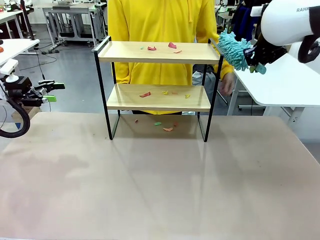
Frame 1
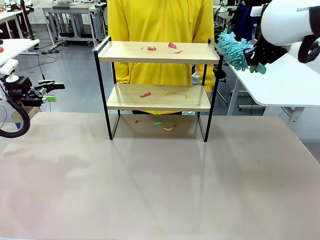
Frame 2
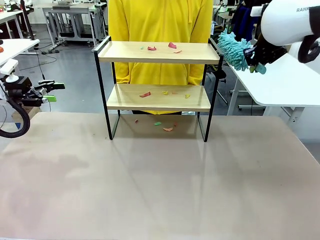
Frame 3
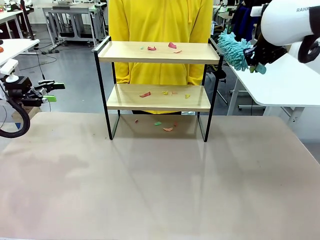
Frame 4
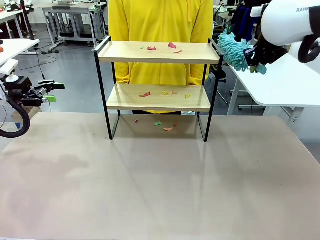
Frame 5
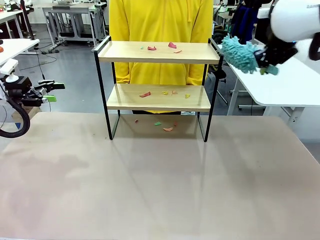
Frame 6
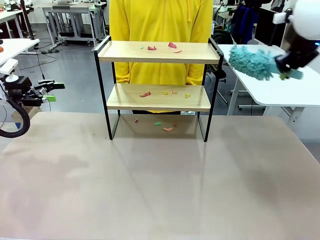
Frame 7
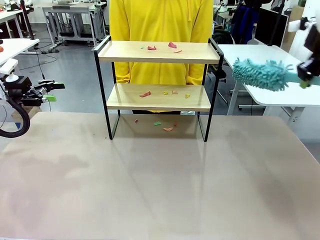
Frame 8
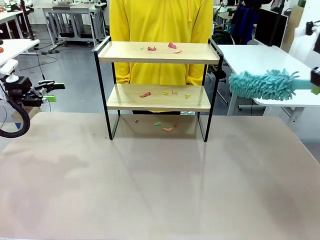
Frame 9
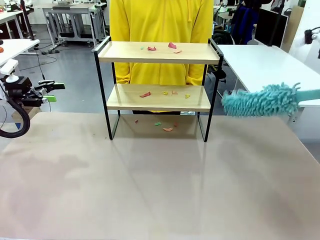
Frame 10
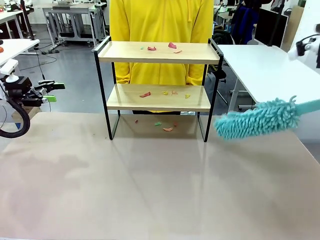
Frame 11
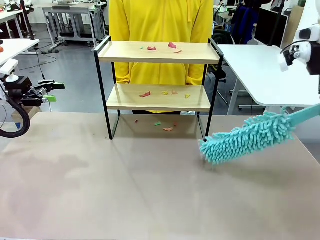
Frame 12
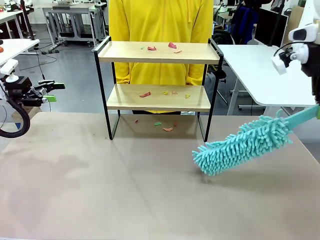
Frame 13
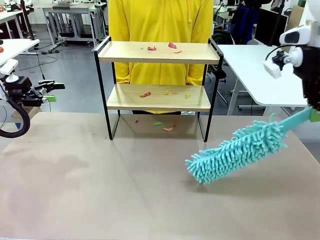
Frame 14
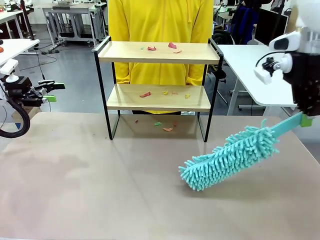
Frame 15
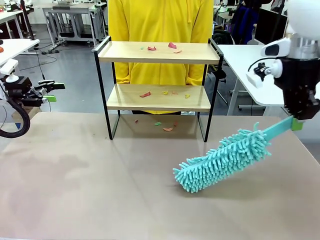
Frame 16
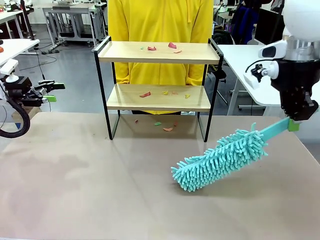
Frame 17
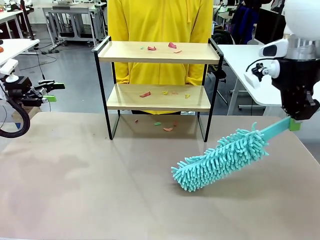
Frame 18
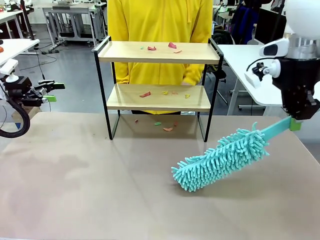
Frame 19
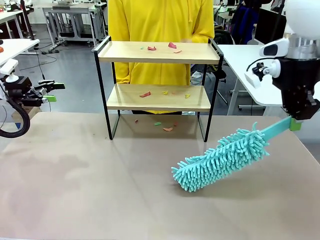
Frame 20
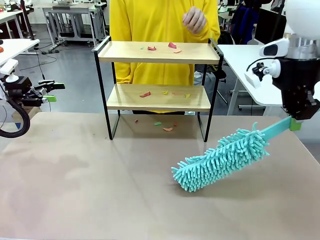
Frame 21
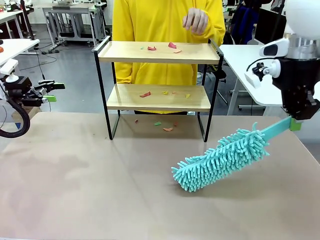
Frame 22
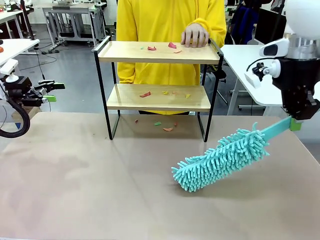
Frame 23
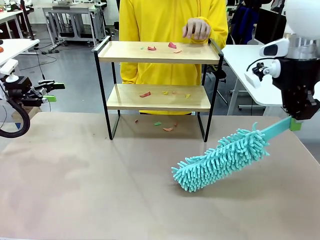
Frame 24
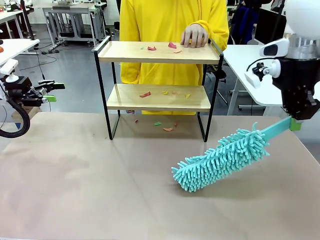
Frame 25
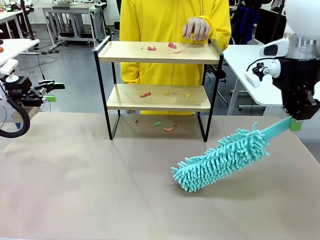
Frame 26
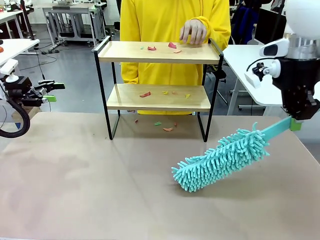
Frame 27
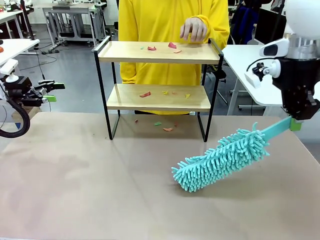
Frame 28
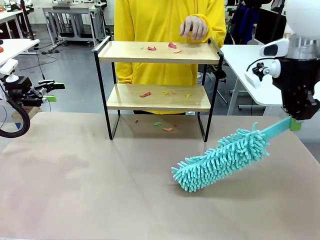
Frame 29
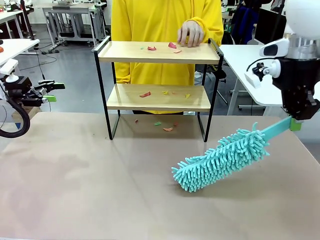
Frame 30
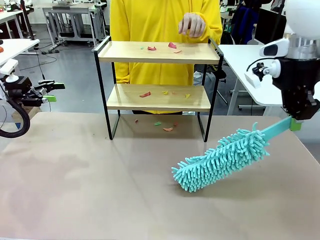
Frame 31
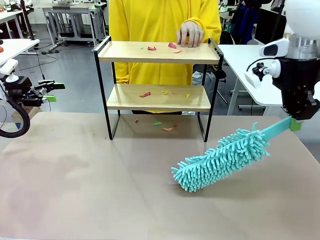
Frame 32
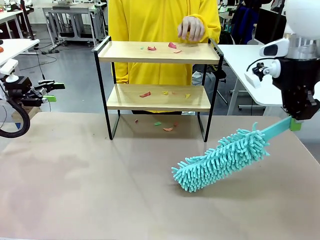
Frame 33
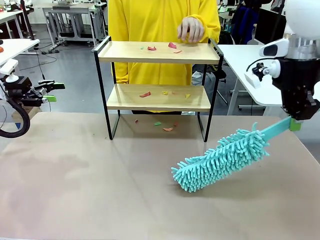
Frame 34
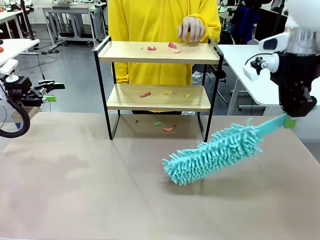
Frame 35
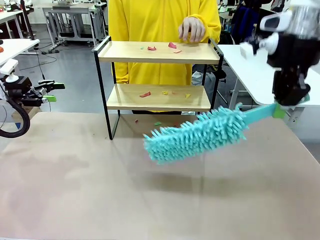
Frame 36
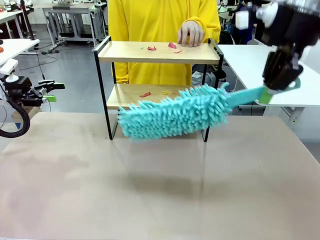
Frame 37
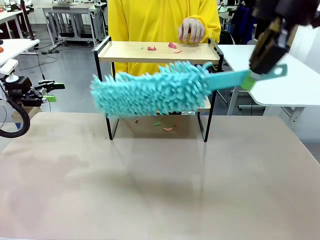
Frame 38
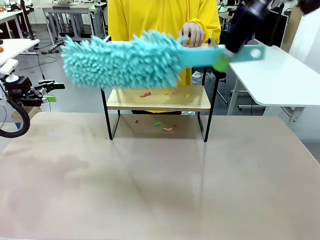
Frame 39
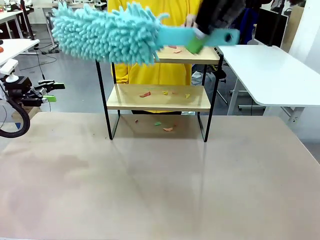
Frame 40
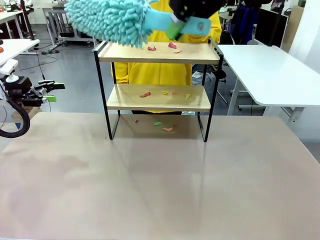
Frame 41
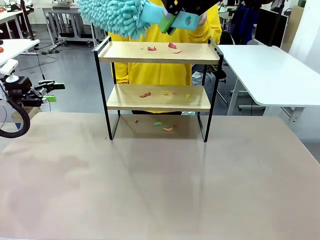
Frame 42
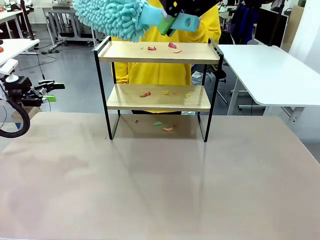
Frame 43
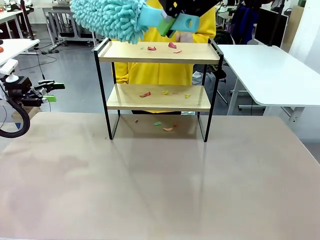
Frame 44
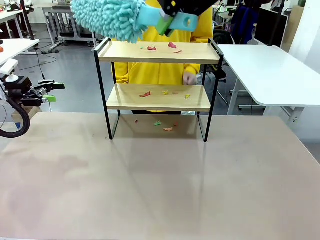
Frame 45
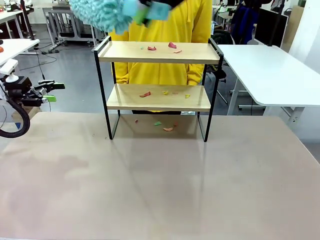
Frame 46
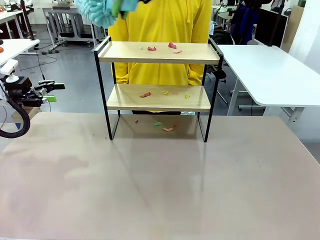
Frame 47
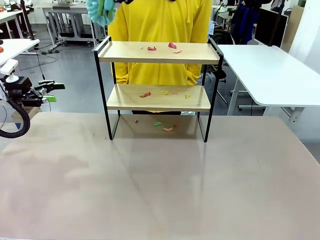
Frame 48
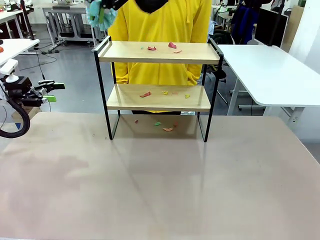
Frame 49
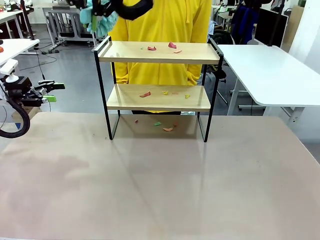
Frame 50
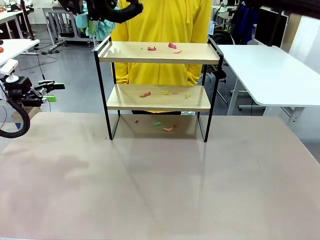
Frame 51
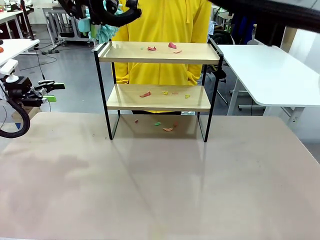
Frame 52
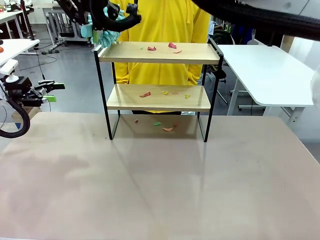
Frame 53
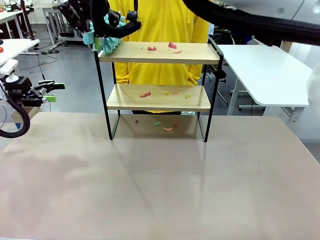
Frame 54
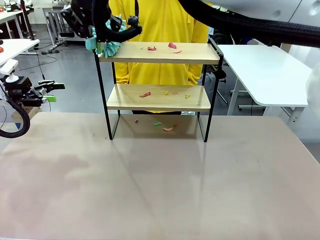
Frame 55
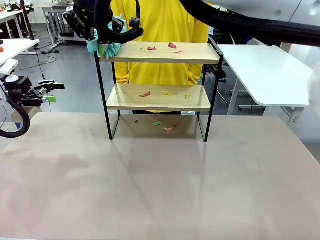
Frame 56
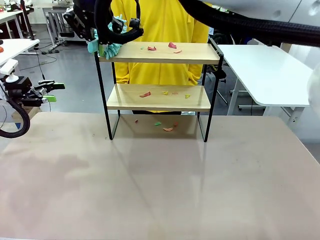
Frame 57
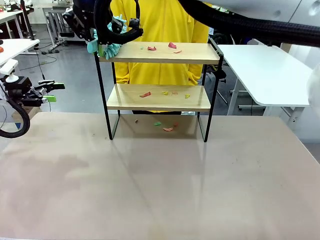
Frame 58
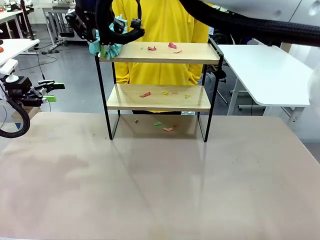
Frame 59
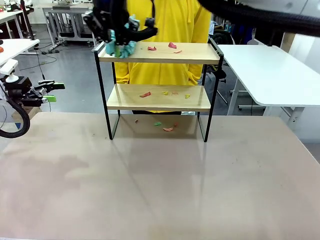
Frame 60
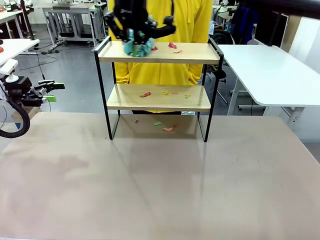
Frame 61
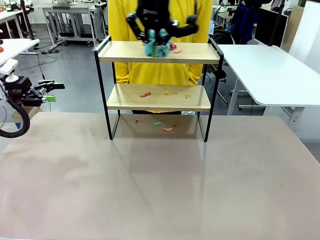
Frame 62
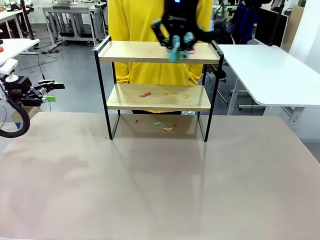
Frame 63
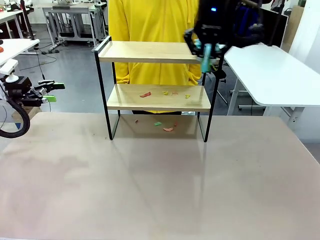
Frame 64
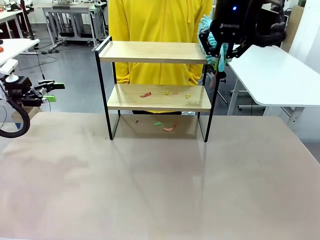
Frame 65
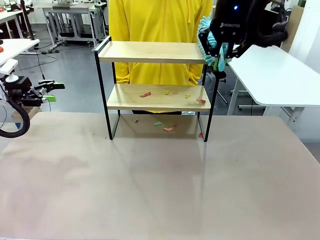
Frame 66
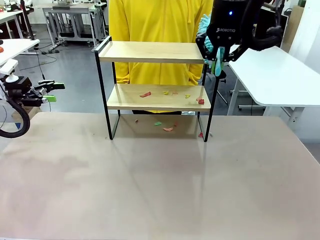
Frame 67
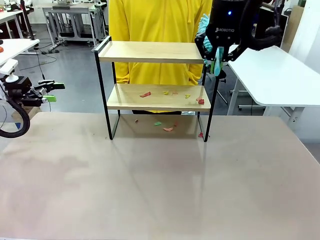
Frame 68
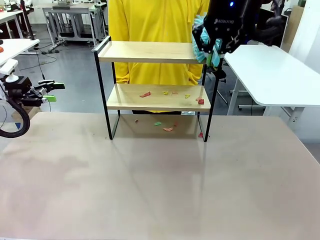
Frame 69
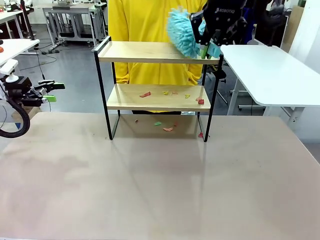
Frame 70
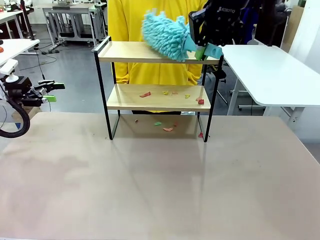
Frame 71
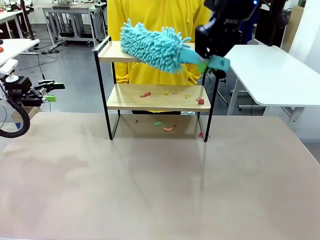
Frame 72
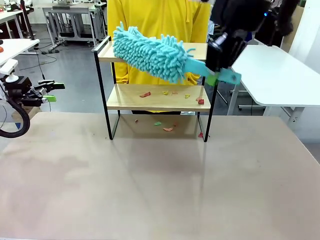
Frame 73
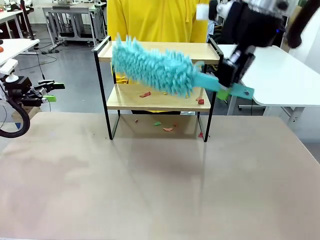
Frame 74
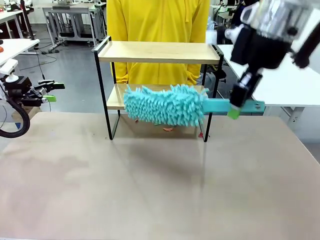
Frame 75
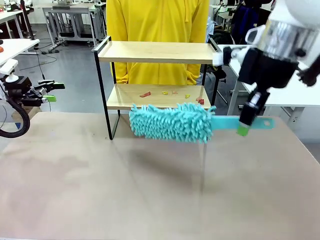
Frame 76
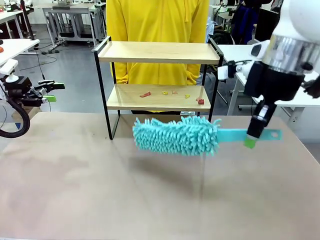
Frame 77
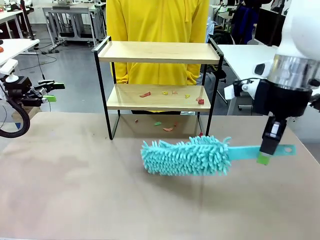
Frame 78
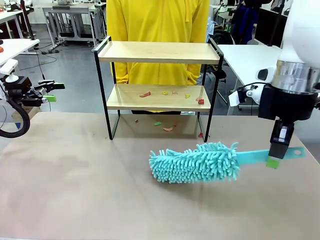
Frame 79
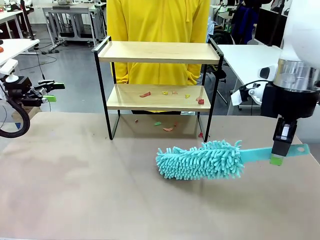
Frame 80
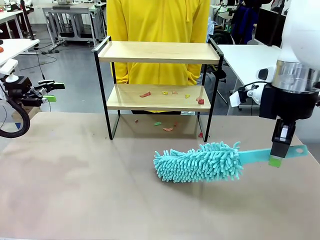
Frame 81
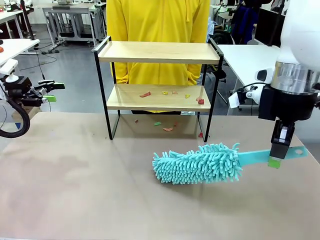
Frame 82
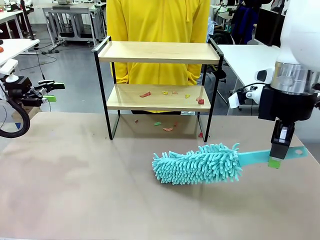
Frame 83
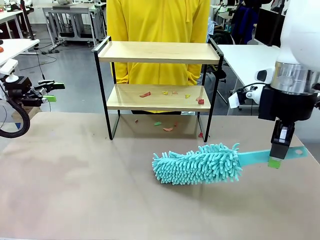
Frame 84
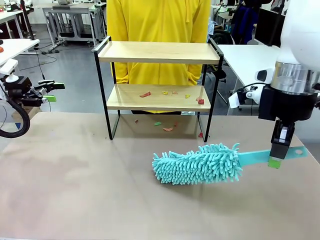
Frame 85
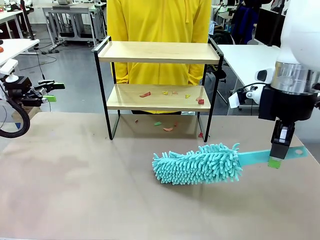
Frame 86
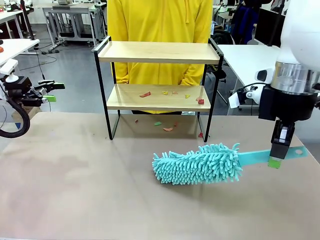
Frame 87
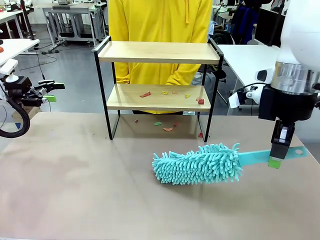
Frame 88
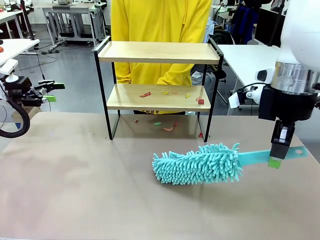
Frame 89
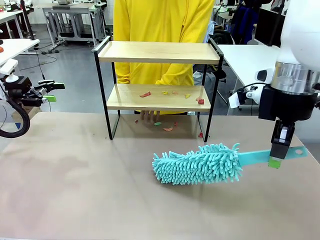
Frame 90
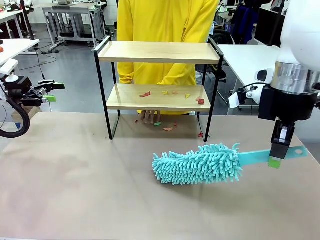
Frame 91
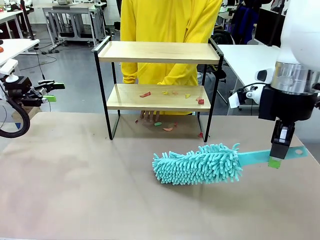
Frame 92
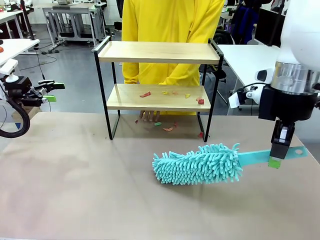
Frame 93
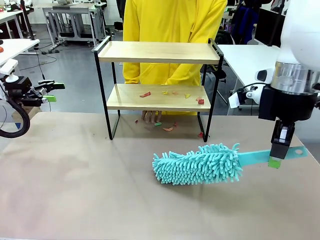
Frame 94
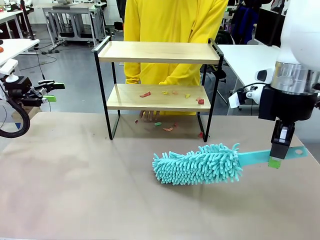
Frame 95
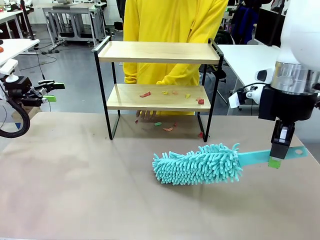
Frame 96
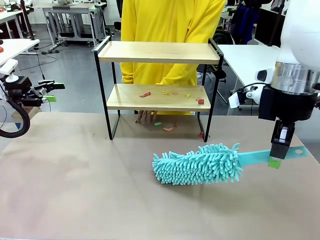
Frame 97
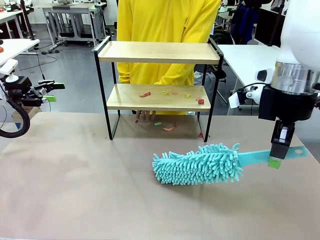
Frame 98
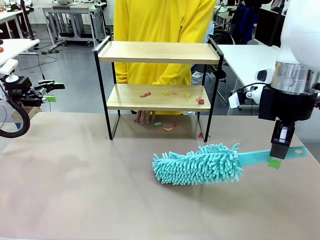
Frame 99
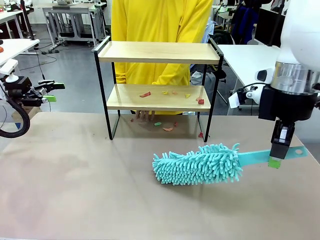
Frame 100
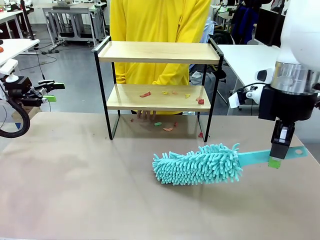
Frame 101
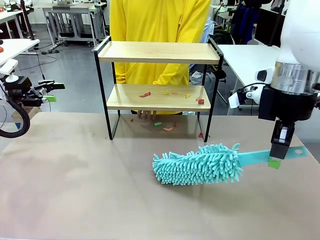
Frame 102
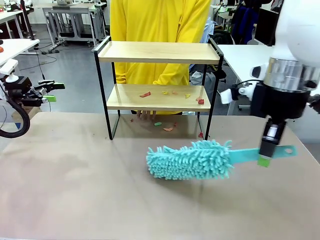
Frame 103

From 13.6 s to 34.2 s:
Task: Clean the shelf.
Robot: Clean the specific section of the Shelf indicated by the human with the Duster.
Person: Point a random section of the Shelf.
